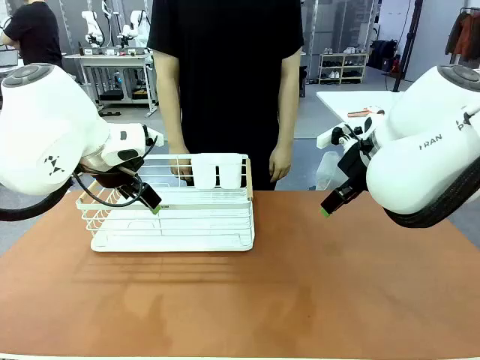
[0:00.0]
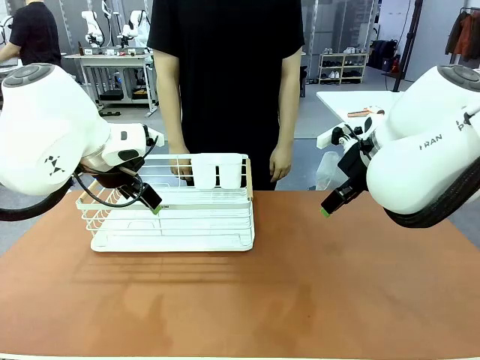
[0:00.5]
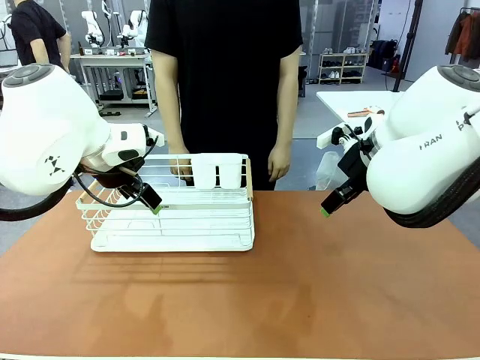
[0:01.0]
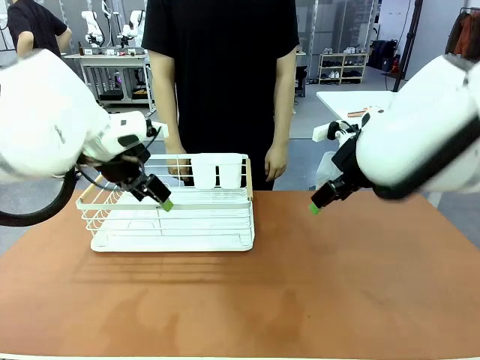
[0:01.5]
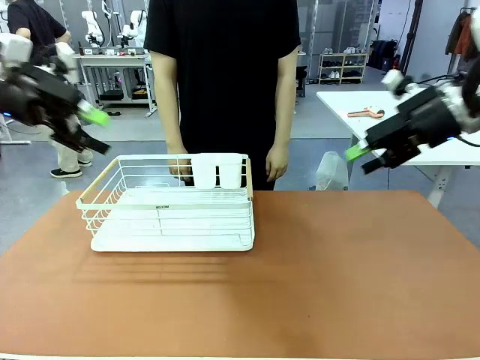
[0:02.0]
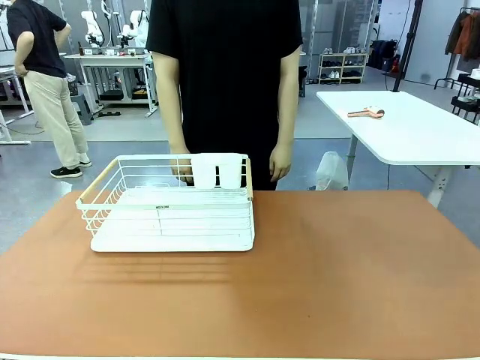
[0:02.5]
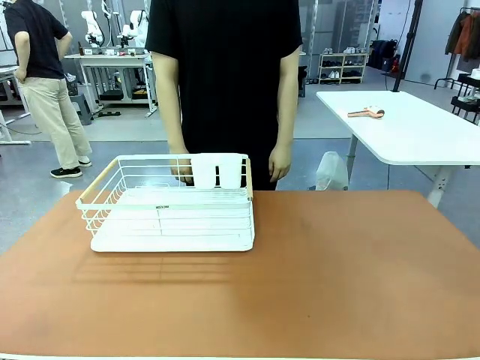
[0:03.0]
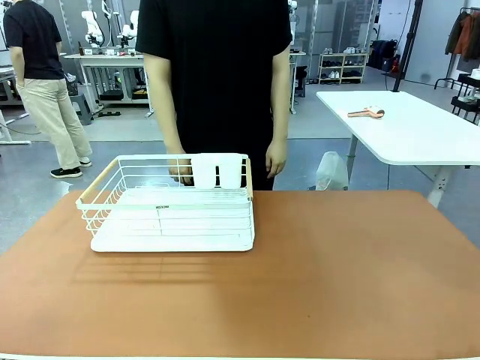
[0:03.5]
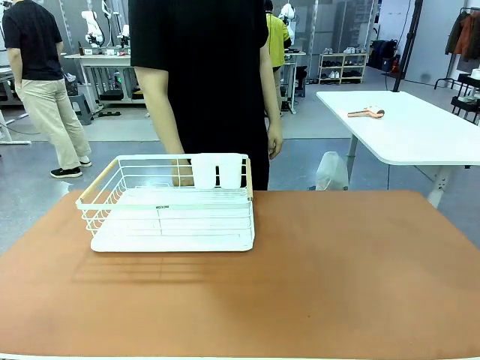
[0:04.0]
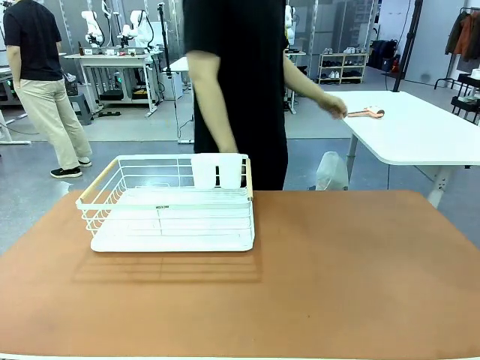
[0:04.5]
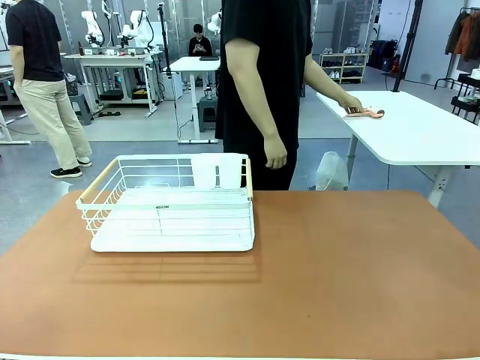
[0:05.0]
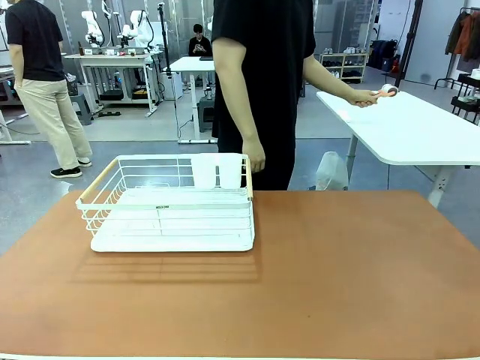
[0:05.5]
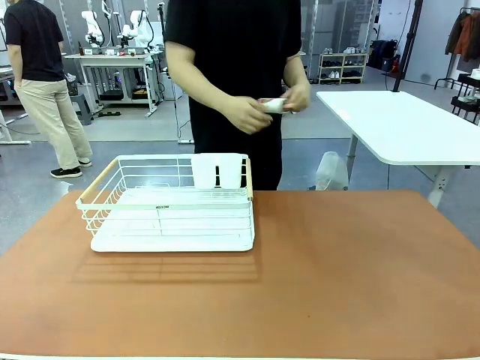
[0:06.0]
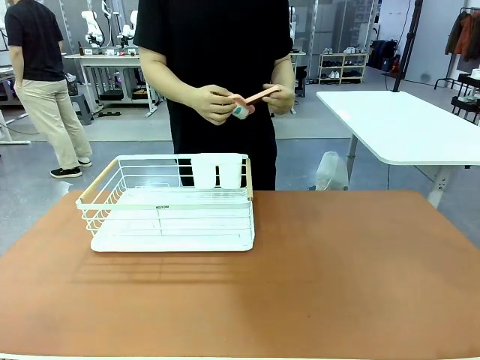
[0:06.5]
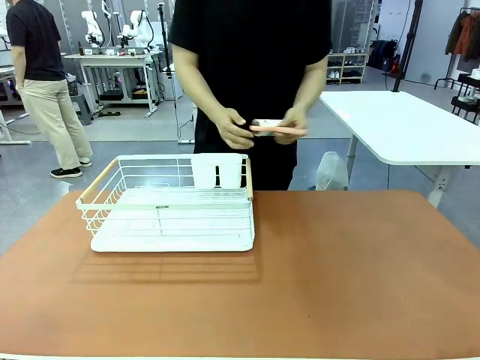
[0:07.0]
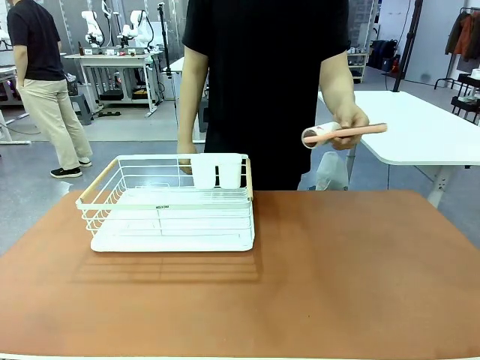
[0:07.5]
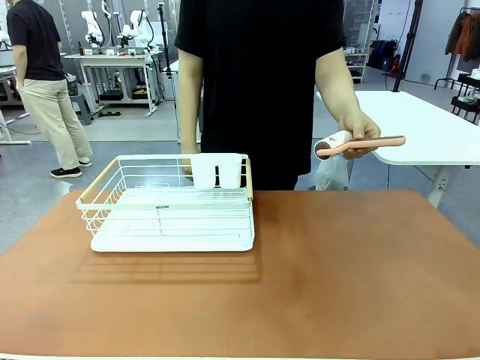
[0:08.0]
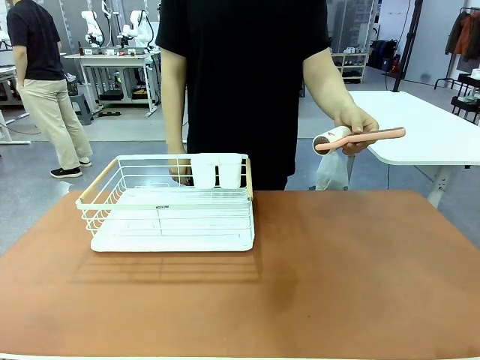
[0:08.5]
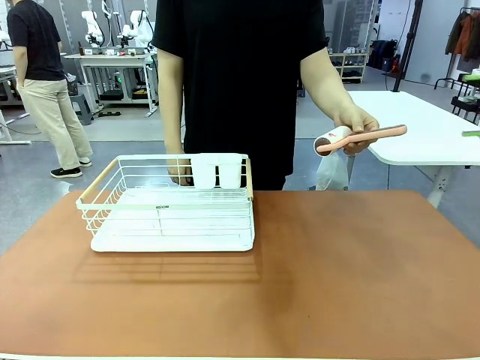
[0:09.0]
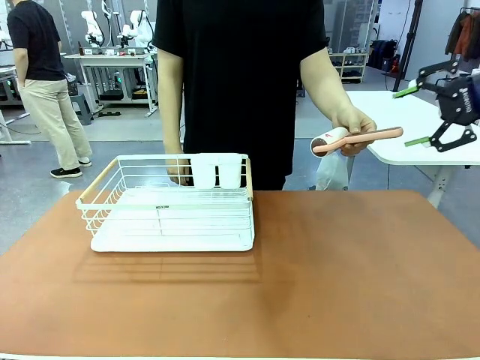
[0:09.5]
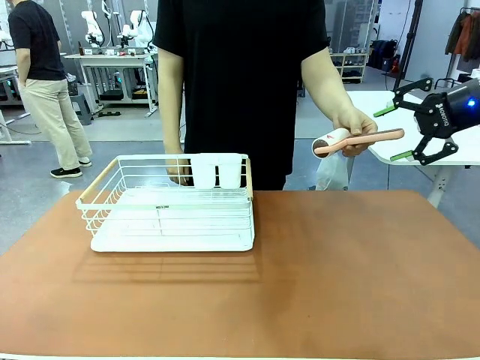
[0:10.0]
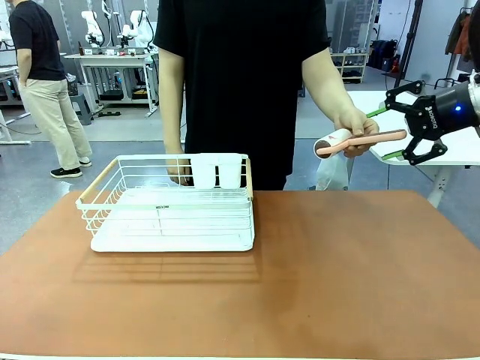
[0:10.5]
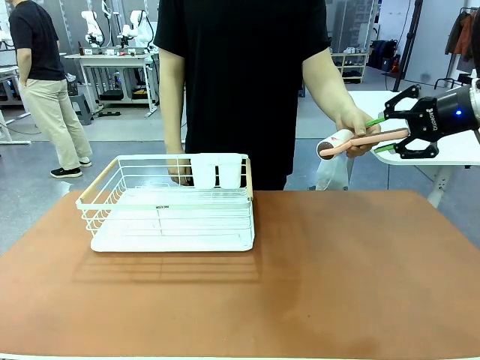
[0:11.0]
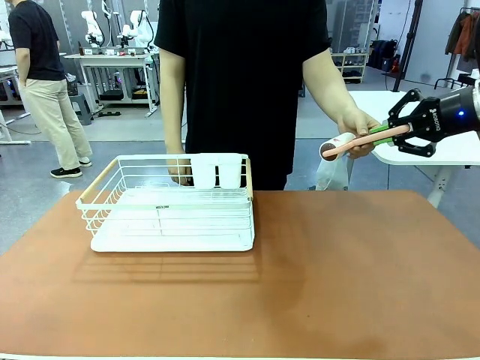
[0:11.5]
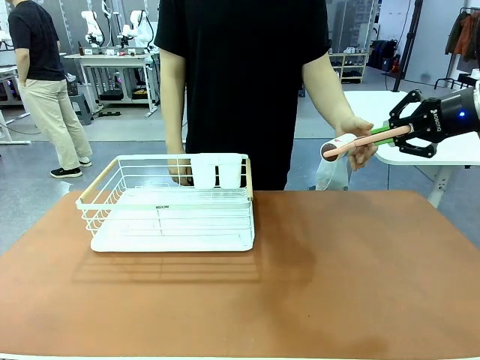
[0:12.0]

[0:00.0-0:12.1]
Task: Clean the table.
Robot: Pick up the Lint Roller when the human hands it over.
Person: Hand the Lint Roller to the robot so it can easily pick it up. Lift the Dish drying rack.

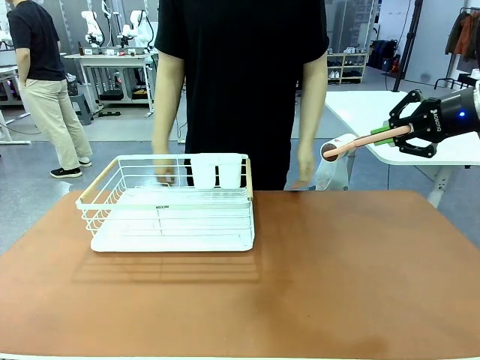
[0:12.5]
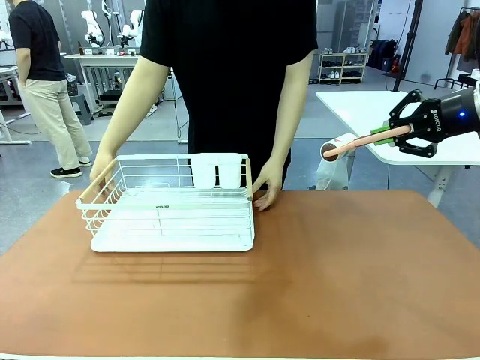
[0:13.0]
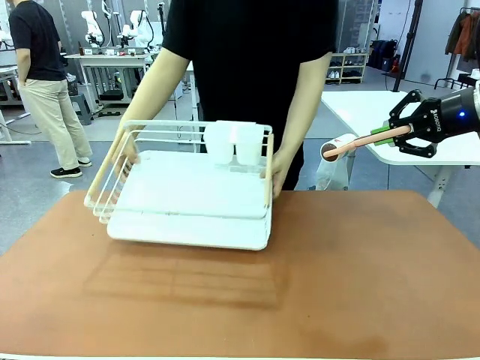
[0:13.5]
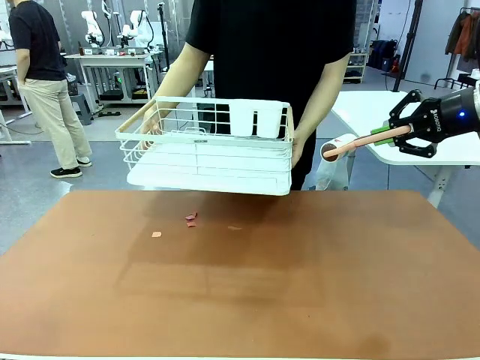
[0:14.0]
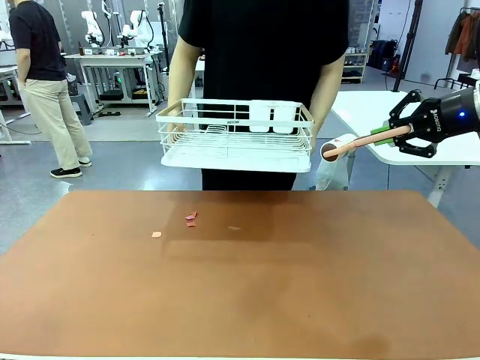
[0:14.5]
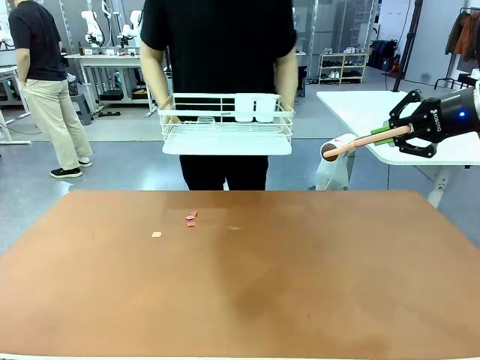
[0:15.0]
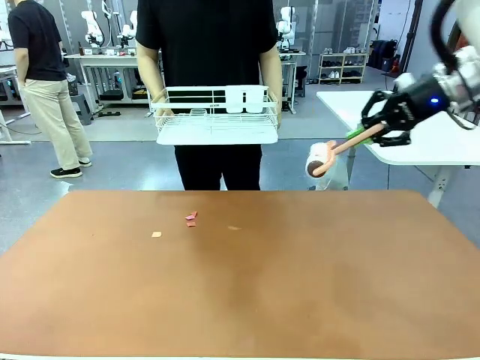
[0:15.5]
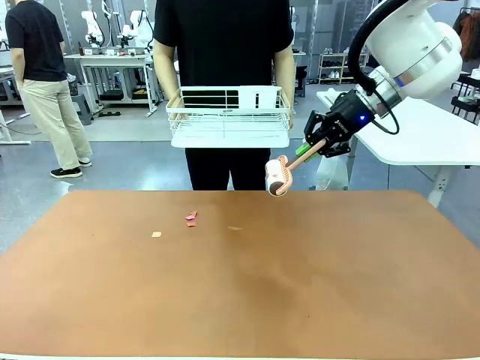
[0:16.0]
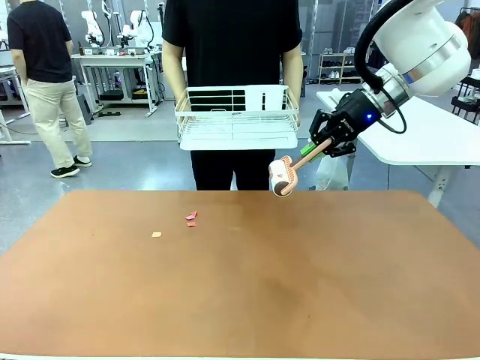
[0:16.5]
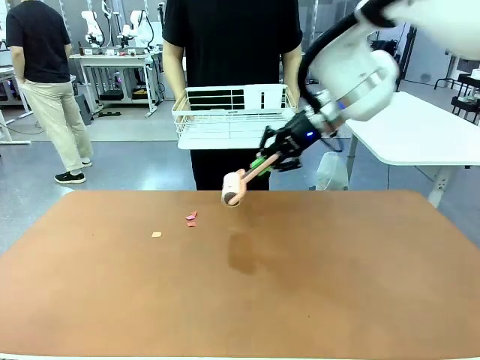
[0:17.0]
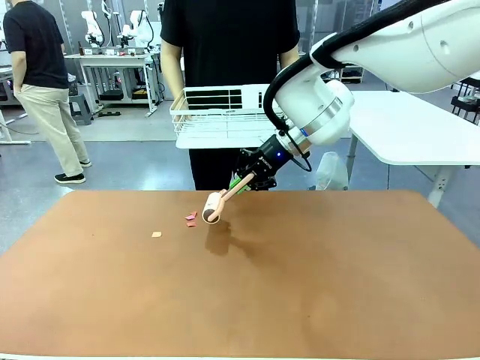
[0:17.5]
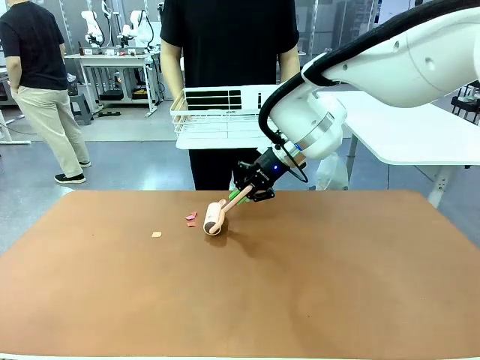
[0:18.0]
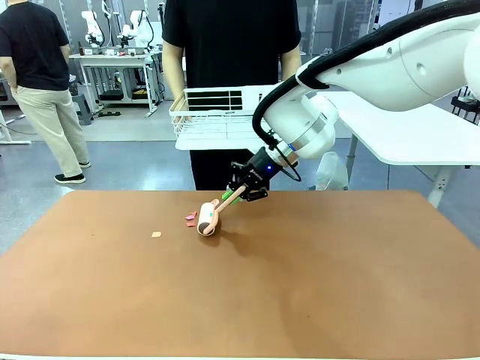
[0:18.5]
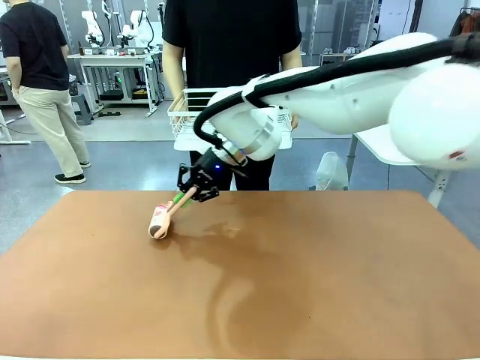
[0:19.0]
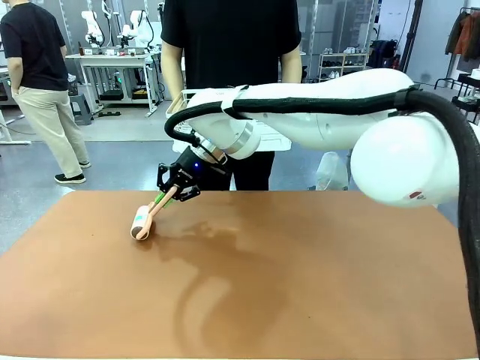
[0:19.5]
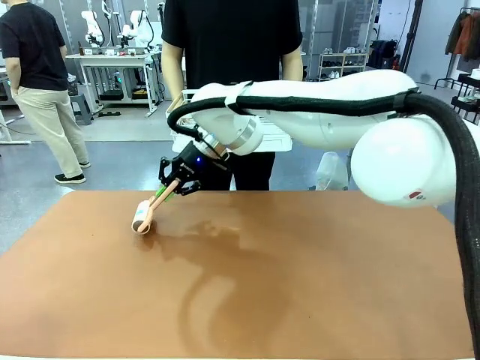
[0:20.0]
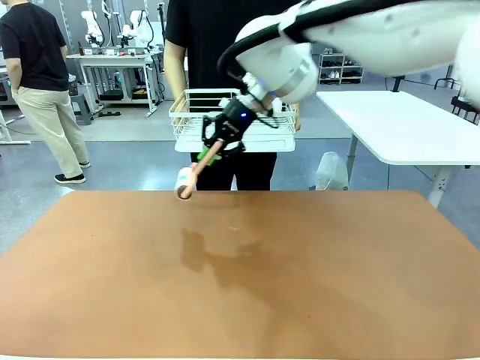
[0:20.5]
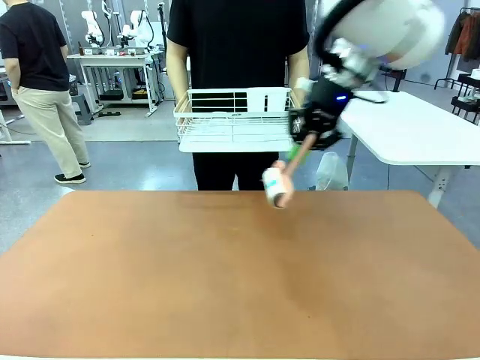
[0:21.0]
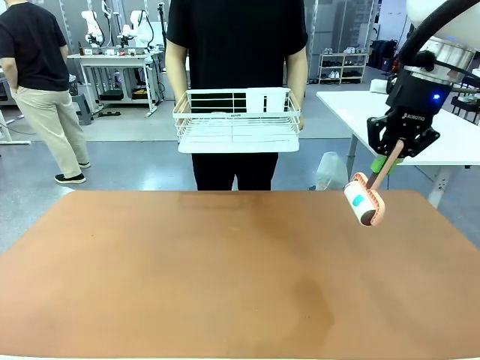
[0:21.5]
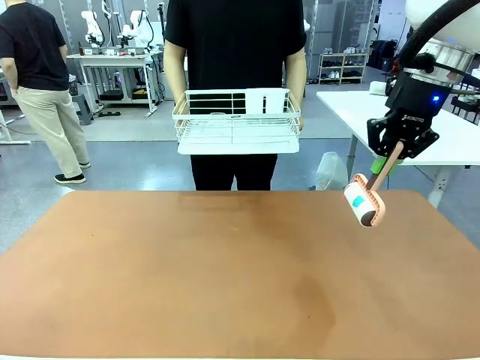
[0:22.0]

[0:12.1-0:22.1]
Robot: Clean the table with the Lint Roller when the human lifts the Dish drying rack.

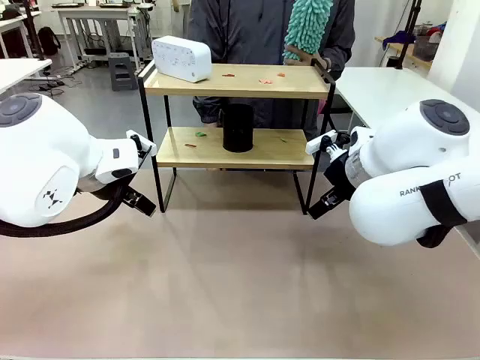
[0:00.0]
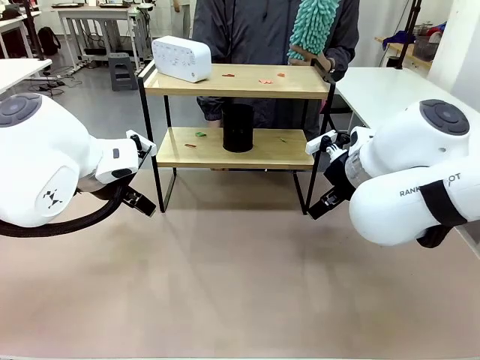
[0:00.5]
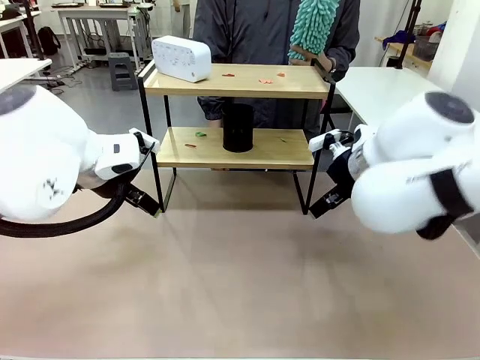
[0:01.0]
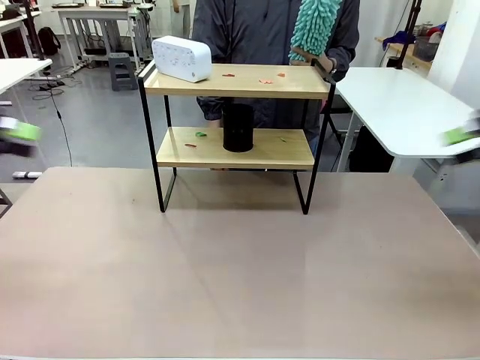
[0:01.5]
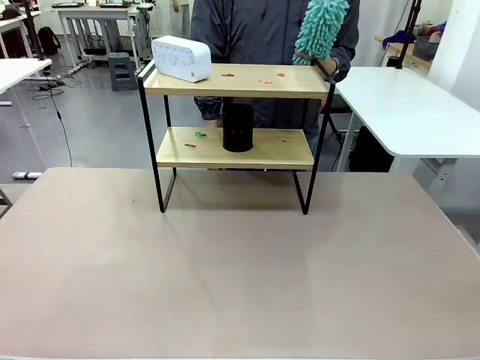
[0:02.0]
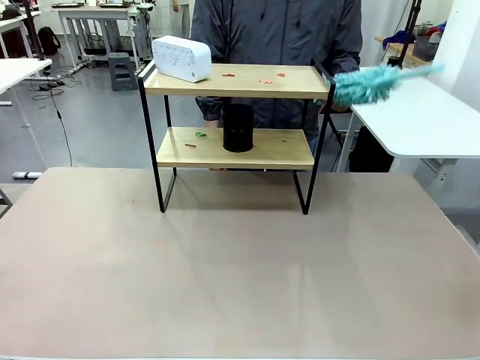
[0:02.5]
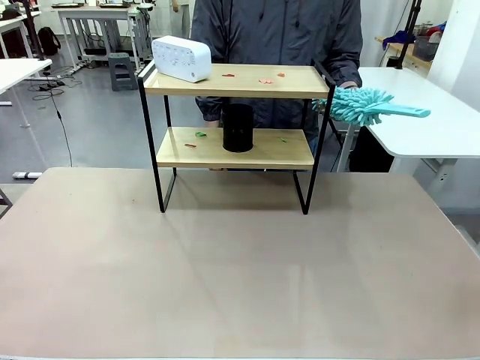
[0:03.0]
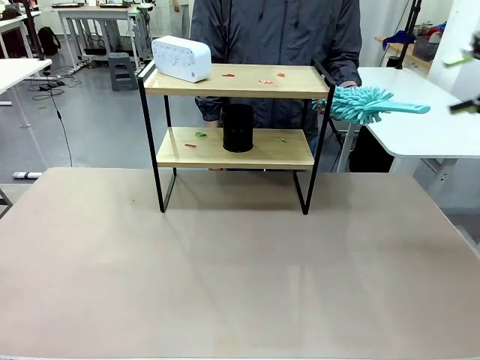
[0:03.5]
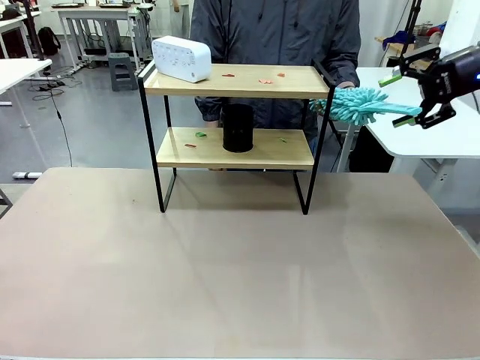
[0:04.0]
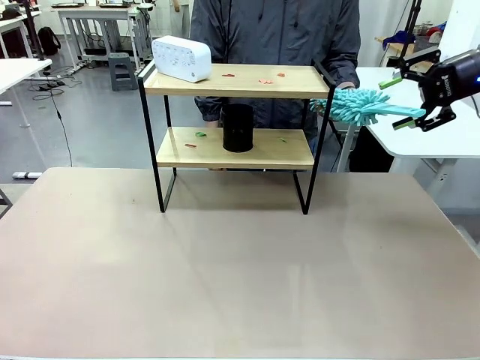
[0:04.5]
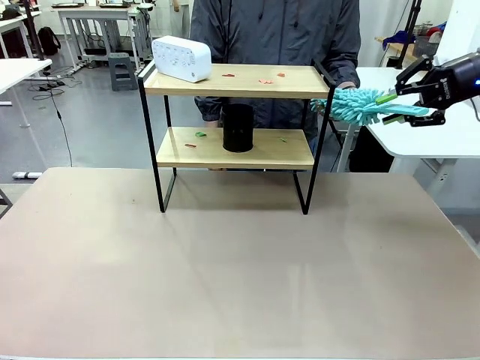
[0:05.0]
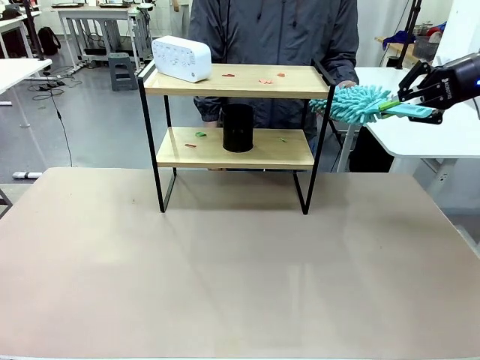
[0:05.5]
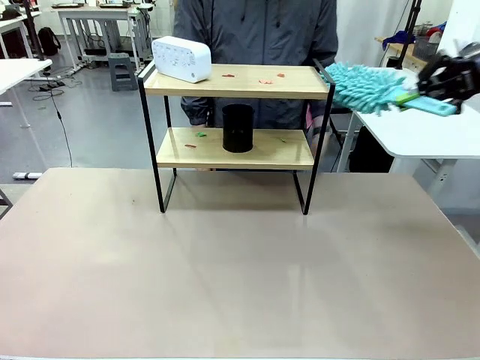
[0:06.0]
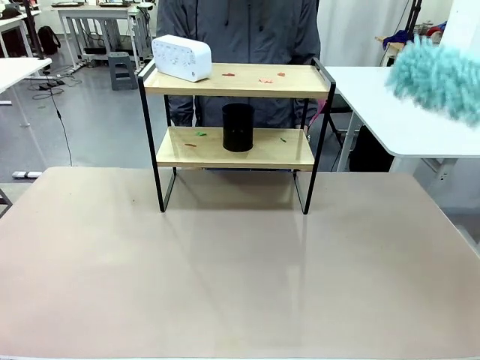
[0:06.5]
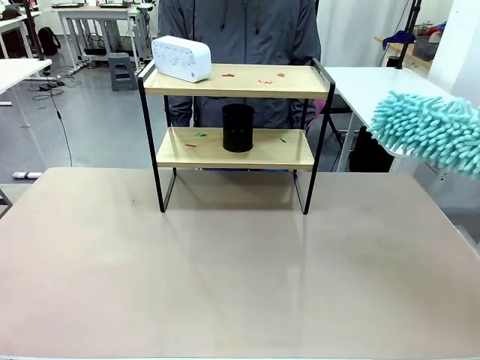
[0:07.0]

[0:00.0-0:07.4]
Task: Clean the shelf.
Robot: Pick up the Duster from the human.
Person: Hand the Duster to the robot.
